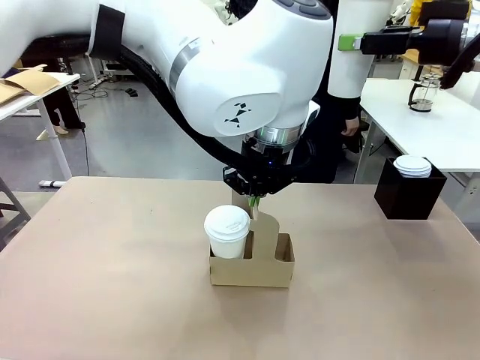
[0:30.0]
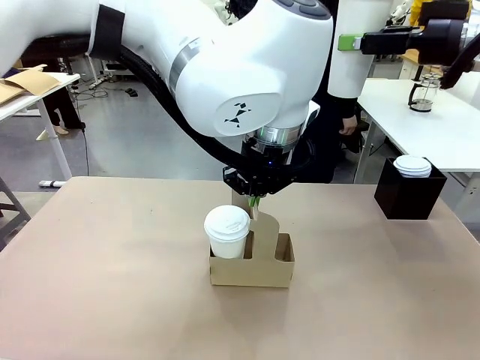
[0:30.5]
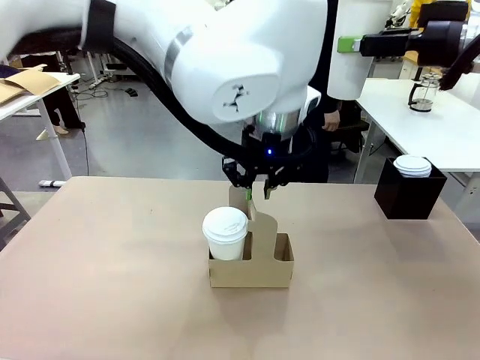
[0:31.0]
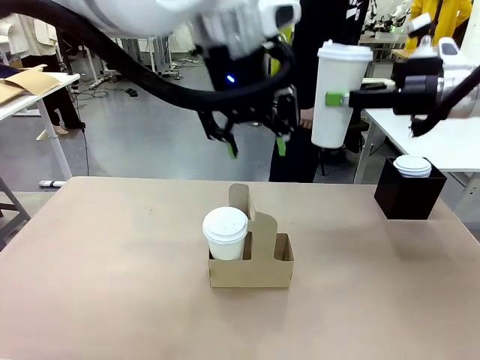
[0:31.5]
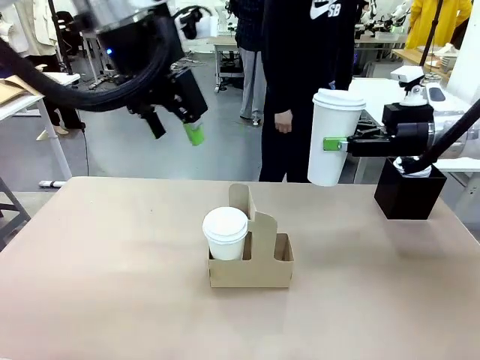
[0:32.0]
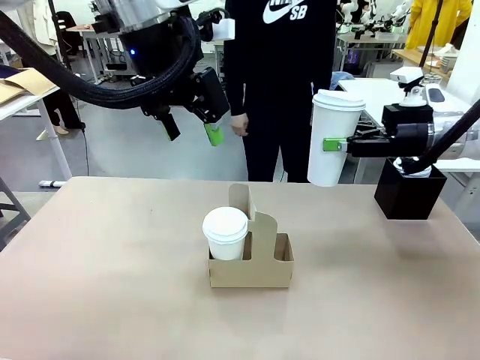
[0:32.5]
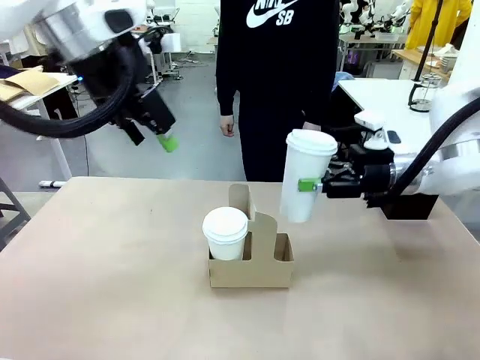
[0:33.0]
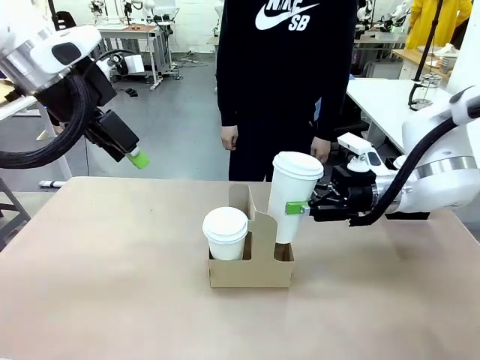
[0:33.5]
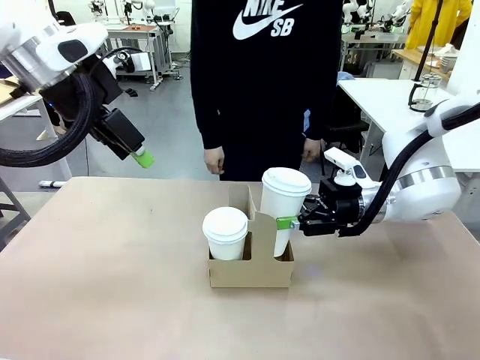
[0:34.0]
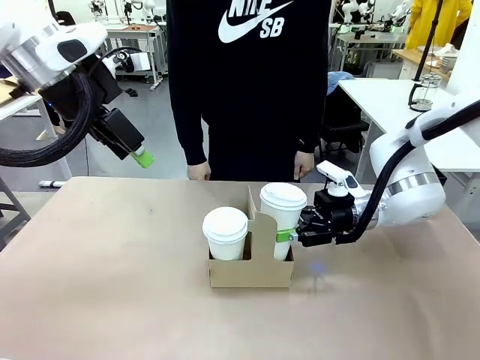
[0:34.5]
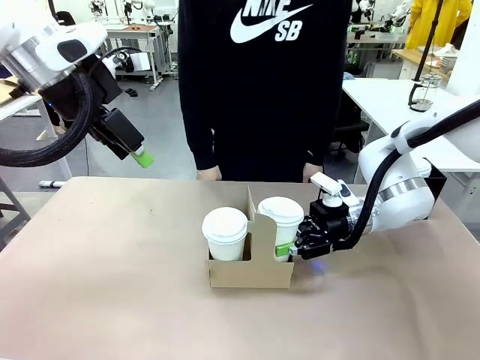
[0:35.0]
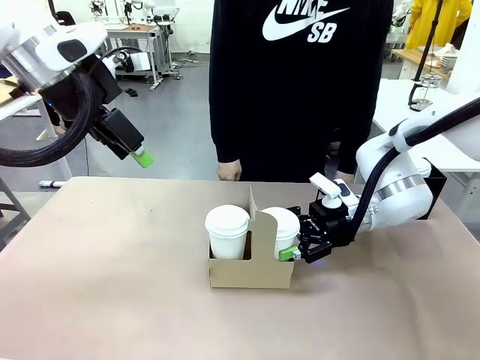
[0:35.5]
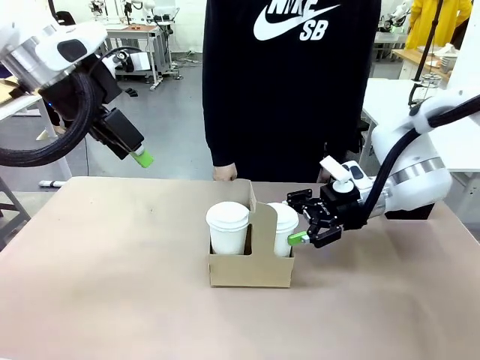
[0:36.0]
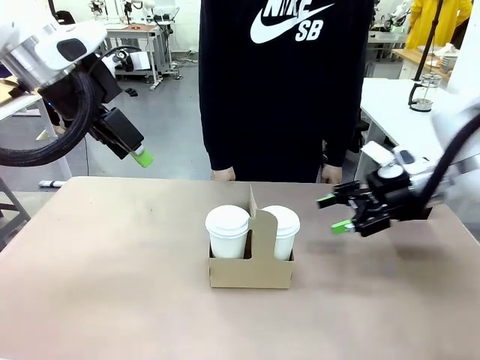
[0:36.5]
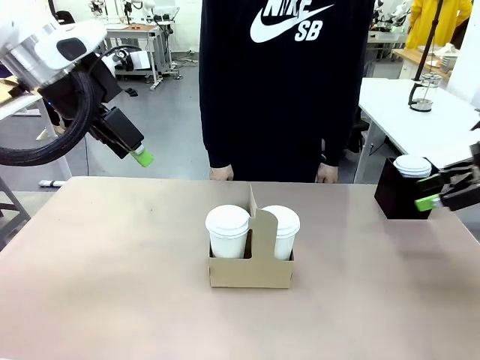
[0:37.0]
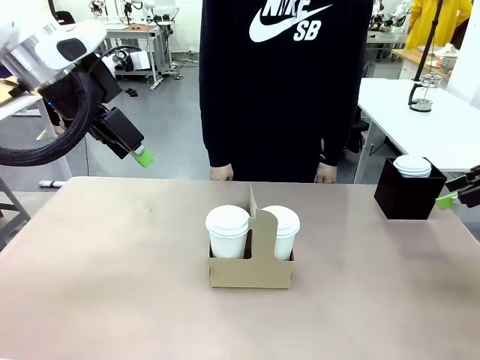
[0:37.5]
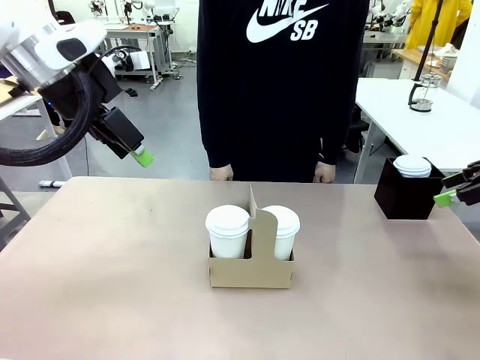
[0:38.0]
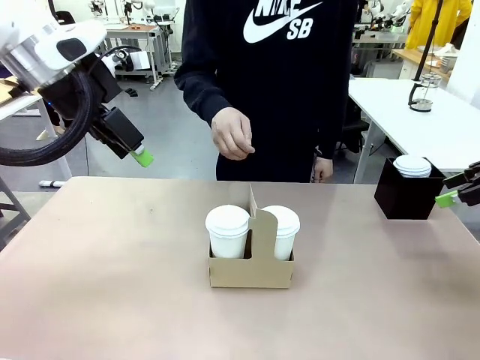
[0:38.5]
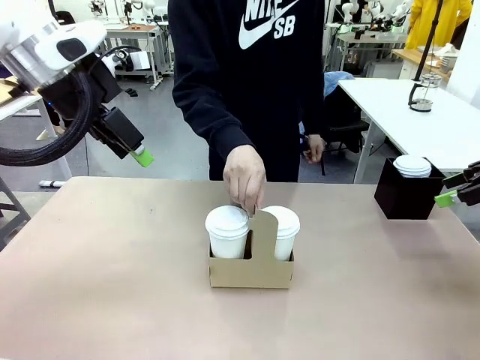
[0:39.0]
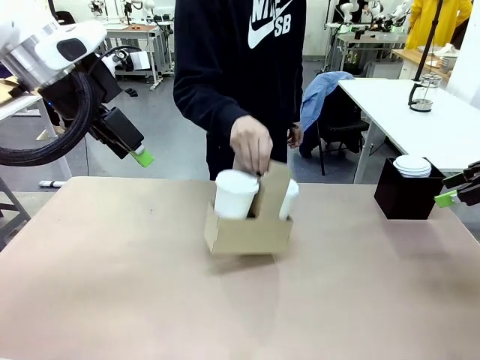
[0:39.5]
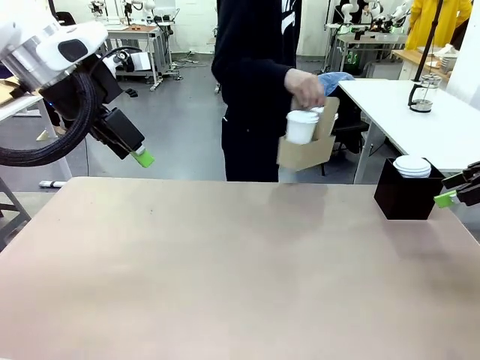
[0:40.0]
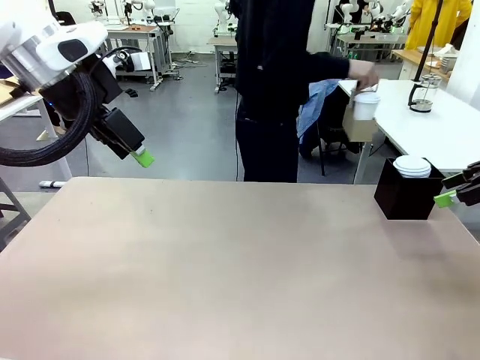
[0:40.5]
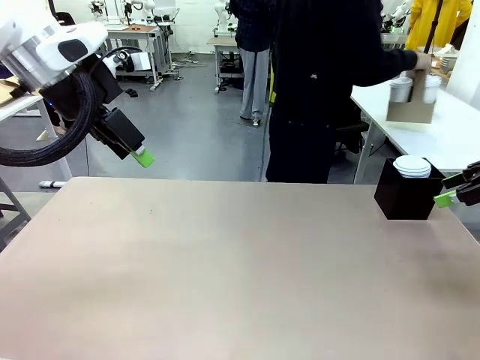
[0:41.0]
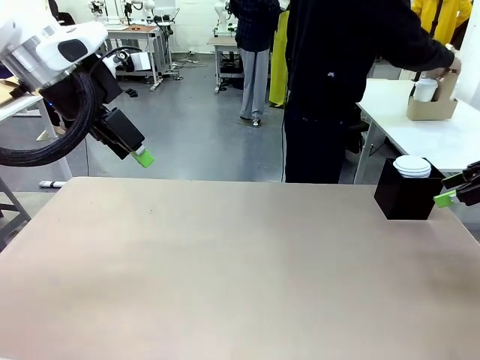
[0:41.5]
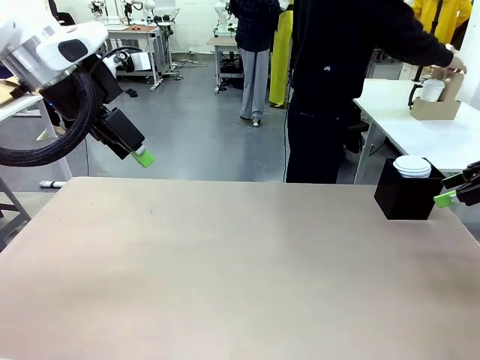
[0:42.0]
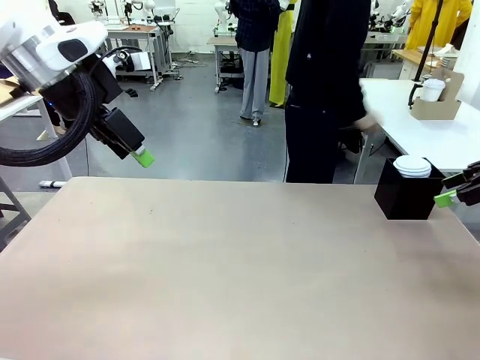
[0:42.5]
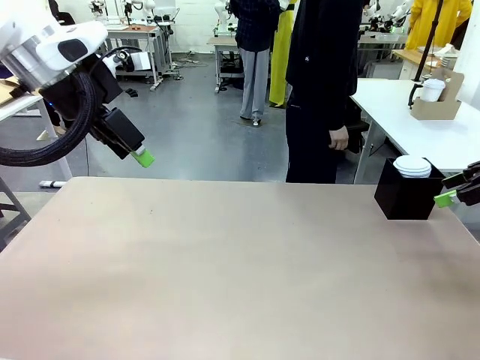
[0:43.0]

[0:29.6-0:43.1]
Task: Pour a drink into a cup and package it in a carrier.
Robot: Insert the held 600 ml Paper Cup into the Cup Carrier.
Person: Place the Cup Carrier to the middle of Human table.

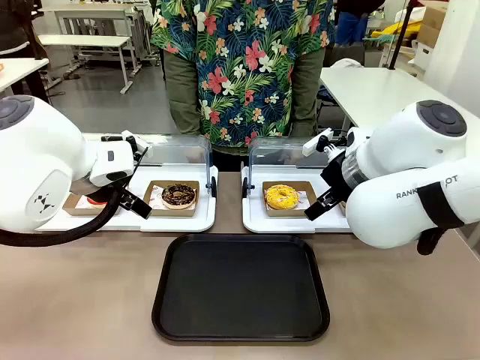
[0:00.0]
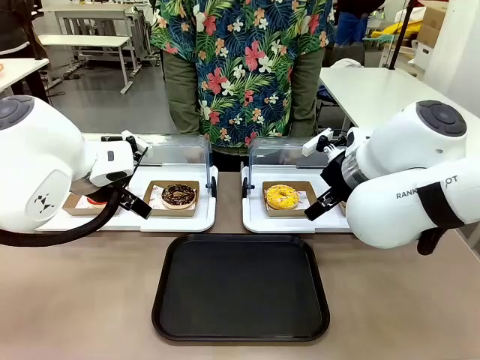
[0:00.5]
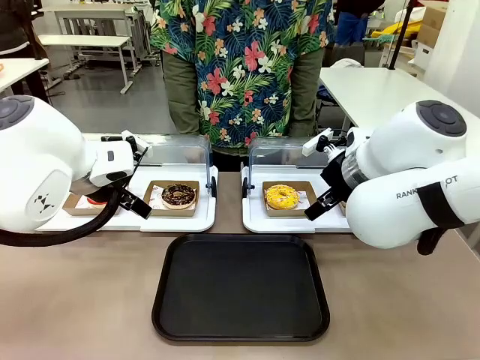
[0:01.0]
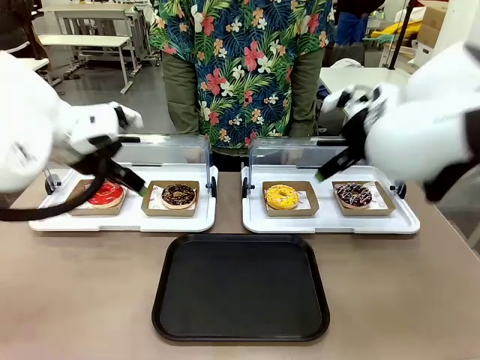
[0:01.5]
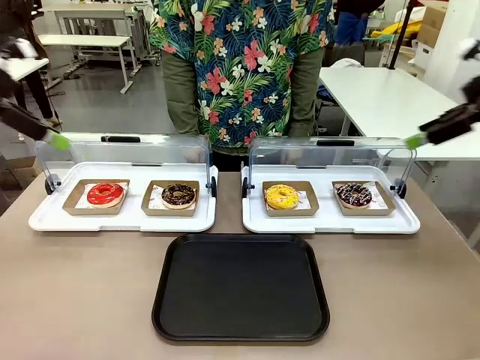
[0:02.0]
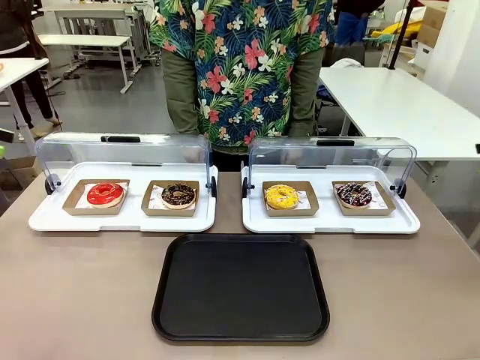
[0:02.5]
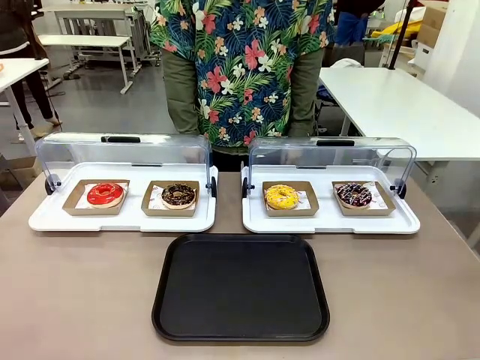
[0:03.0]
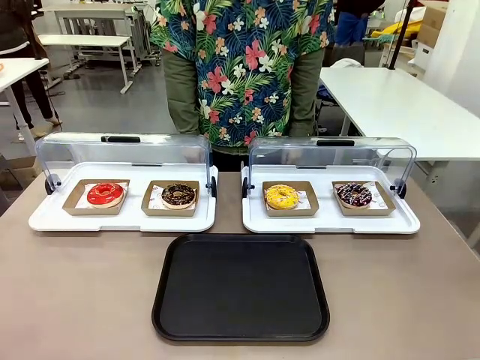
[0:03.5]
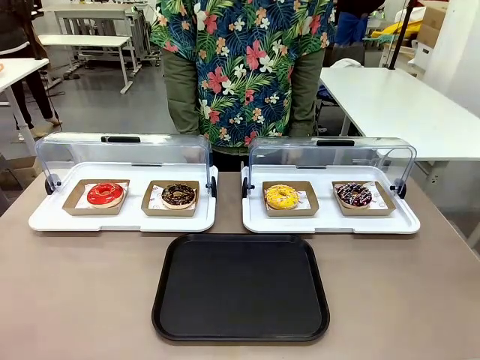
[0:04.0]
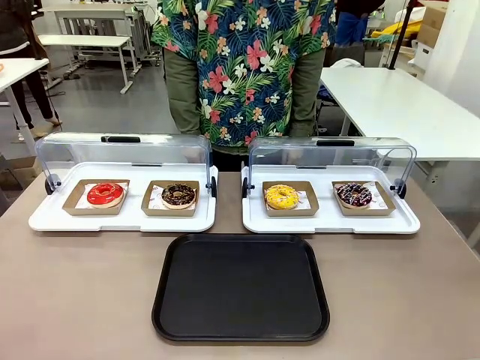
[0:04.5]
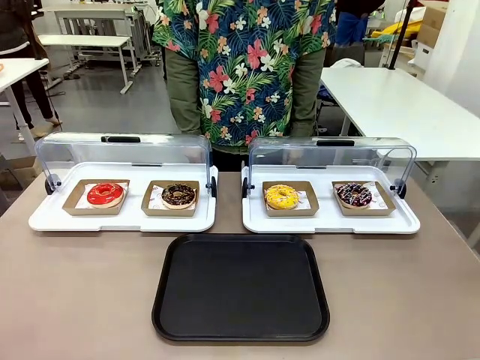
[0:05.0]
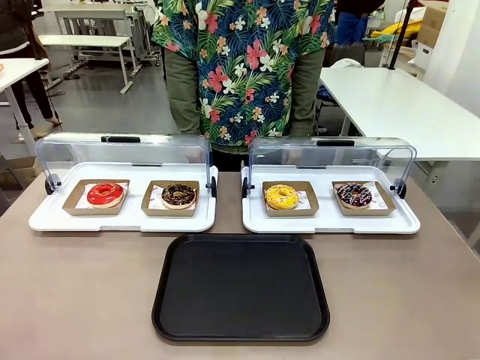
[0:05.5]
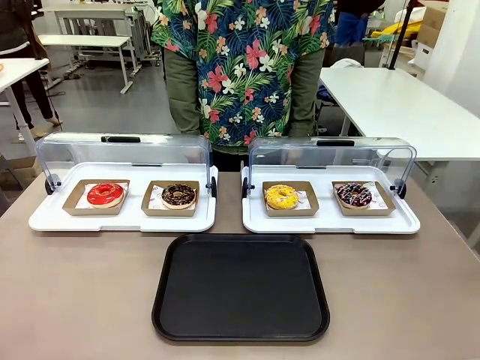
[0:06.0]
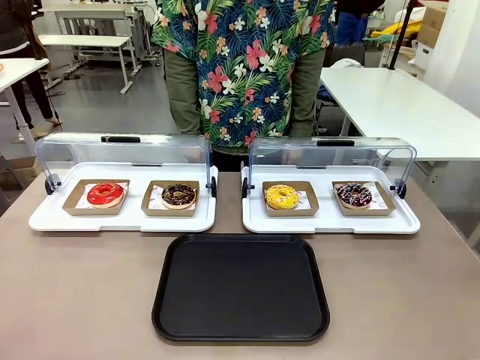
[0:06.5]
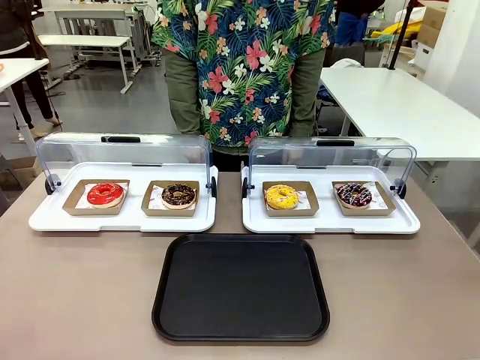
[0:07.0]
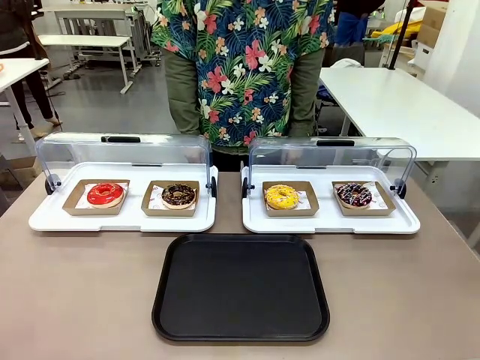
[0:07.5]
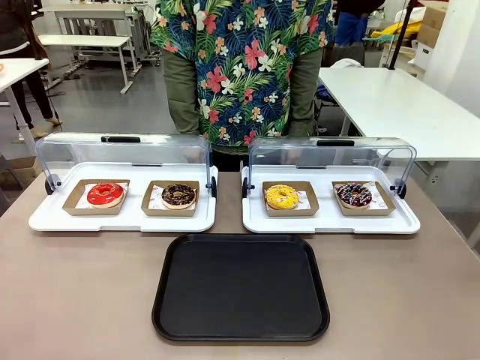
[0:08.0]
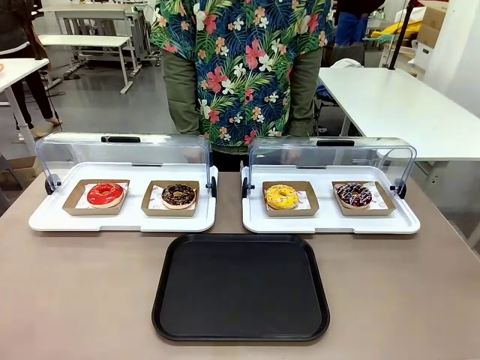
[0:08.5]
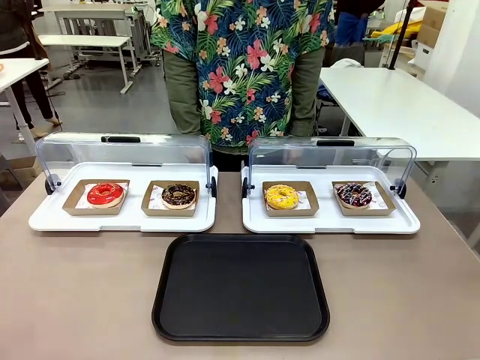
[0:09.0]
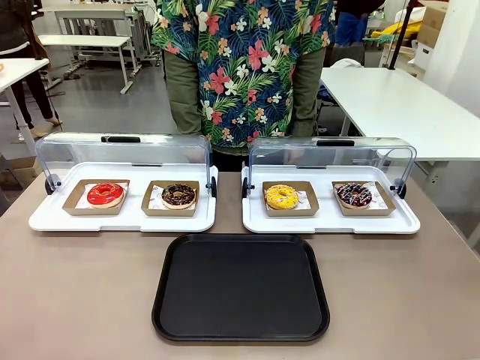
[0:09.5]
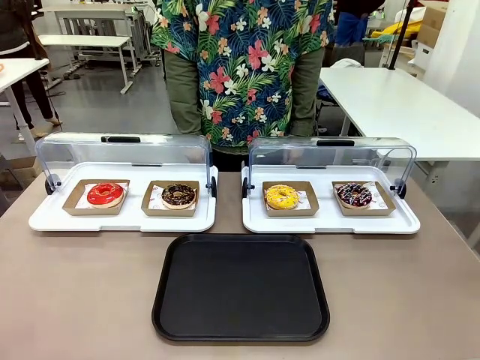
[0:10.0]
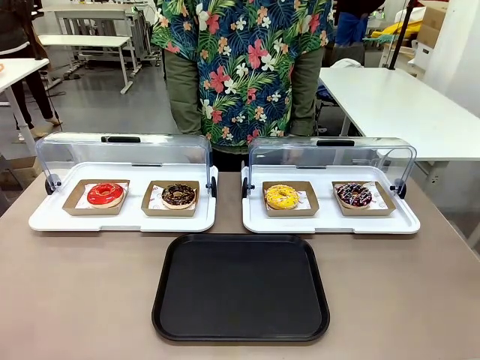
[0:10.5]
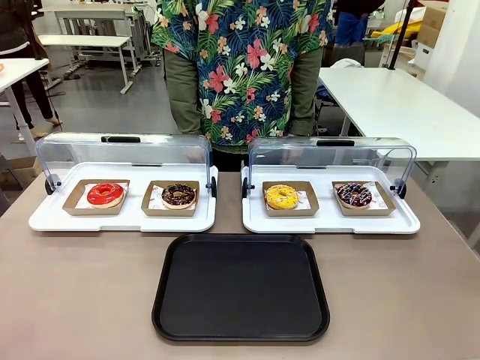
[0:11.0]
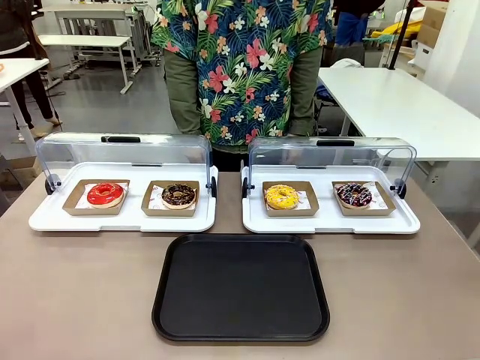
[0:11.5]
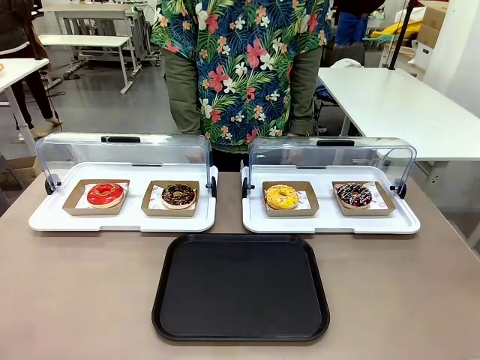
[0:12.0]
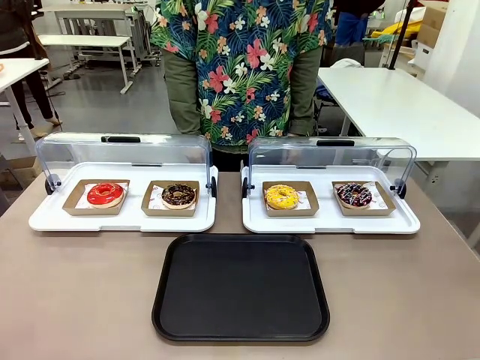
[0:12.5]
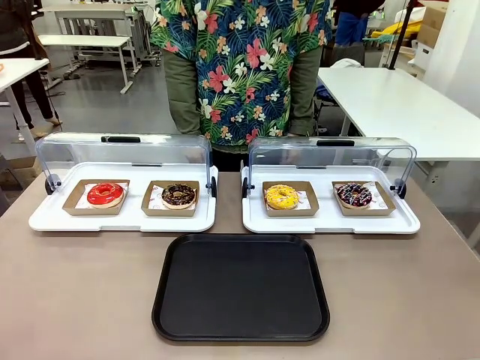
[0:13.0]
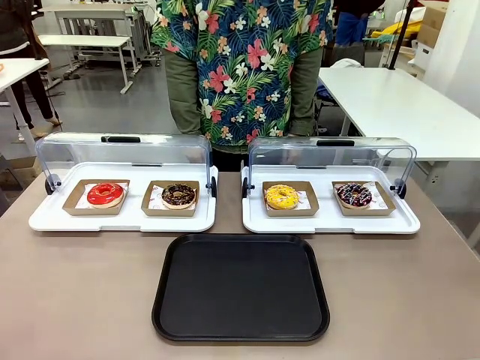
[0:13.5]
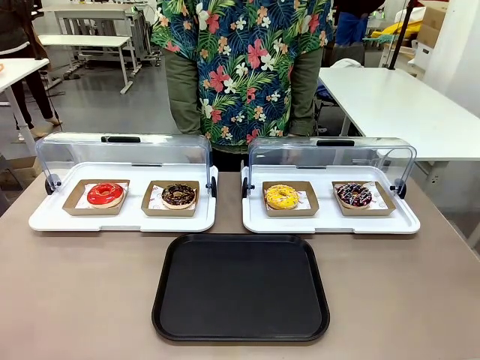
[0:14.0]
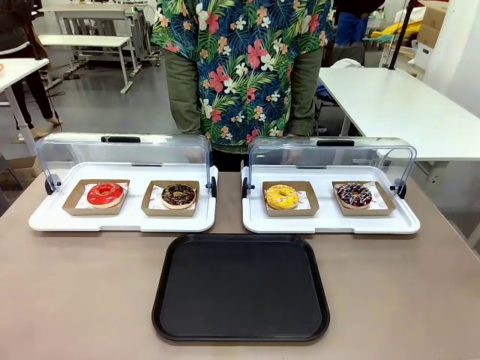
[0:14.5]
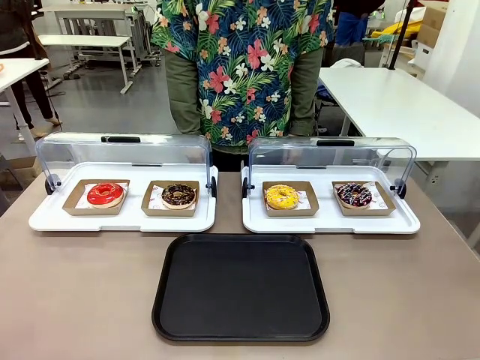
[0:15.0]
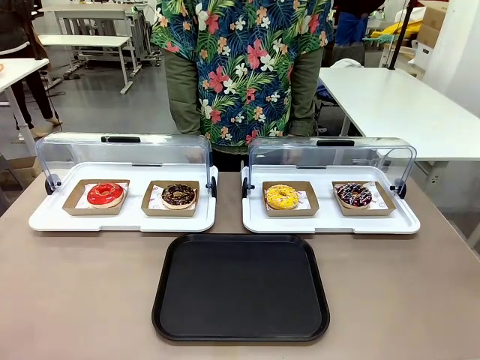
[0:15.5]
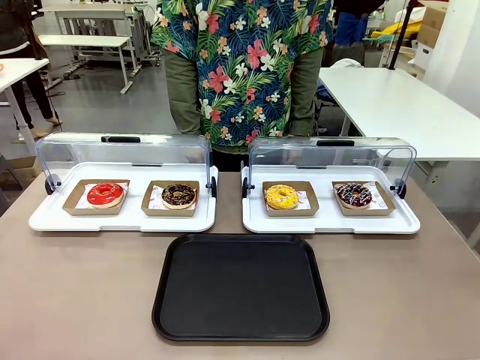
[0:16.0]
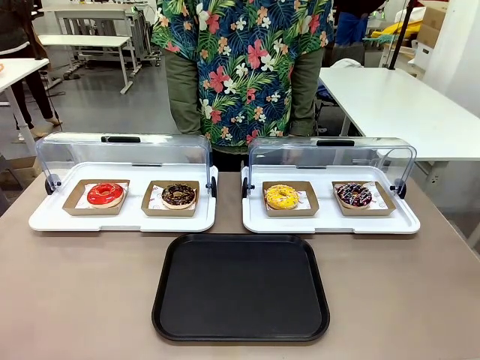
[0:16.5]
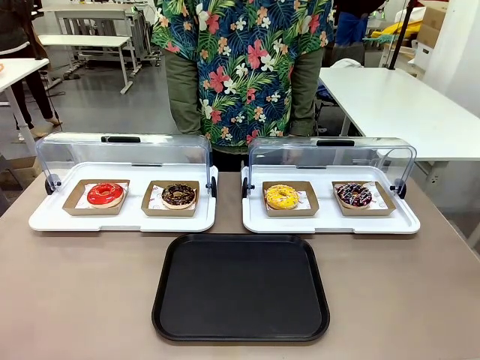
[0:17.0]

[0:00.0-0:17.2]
Task: Move the second donut from the left to the tray.
Robot: Pick up the Paper togo box containing the Donut indicated by the person and place it on the Handle tray.
